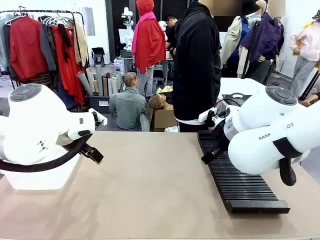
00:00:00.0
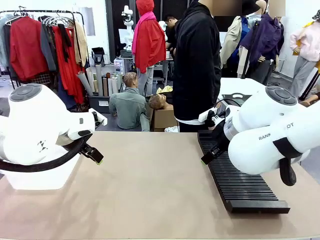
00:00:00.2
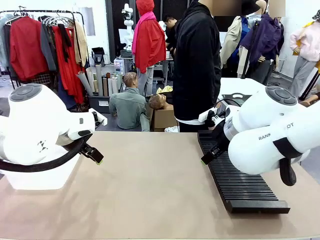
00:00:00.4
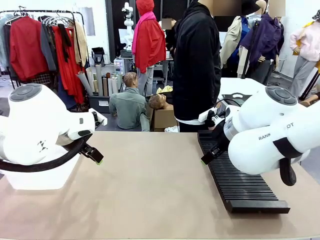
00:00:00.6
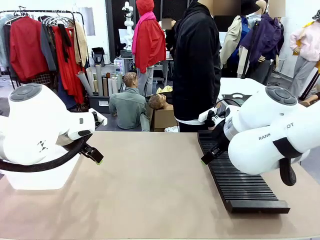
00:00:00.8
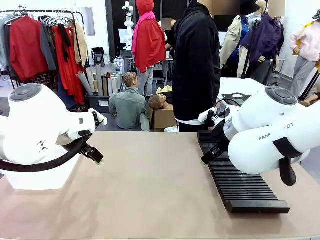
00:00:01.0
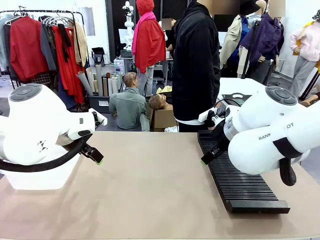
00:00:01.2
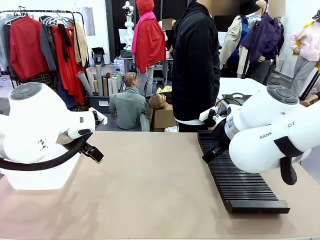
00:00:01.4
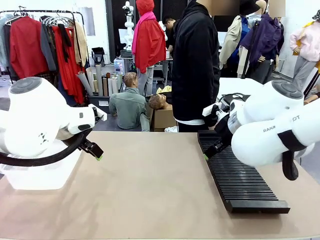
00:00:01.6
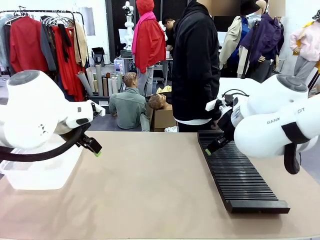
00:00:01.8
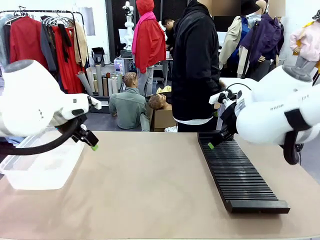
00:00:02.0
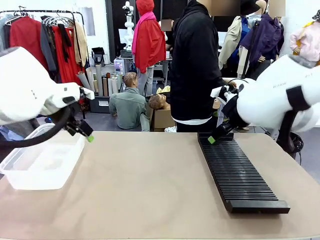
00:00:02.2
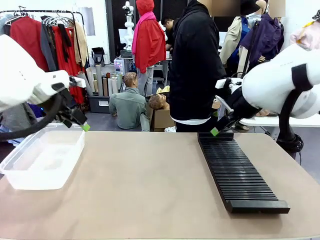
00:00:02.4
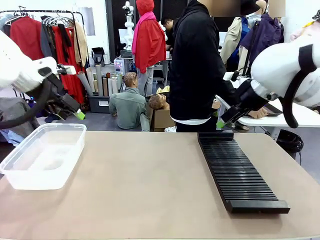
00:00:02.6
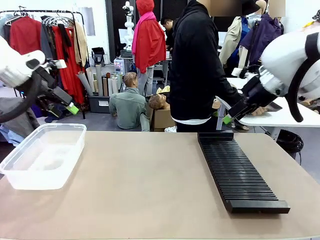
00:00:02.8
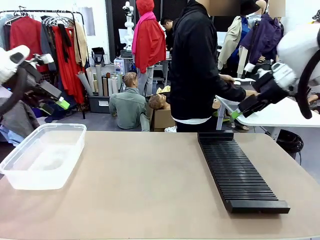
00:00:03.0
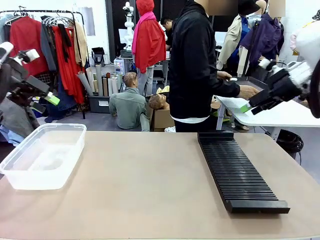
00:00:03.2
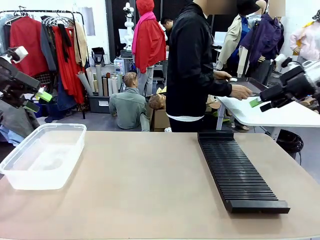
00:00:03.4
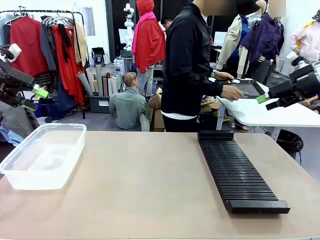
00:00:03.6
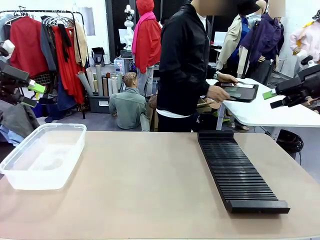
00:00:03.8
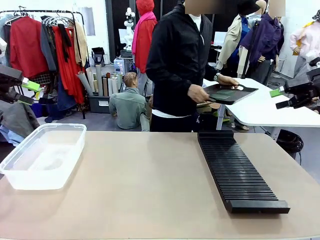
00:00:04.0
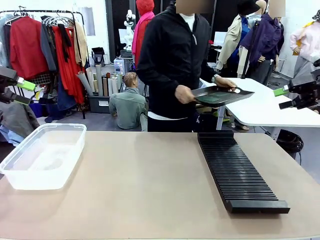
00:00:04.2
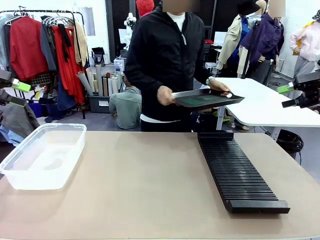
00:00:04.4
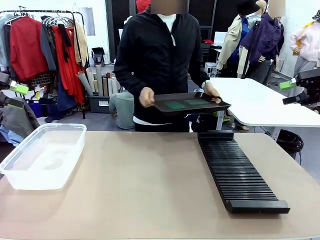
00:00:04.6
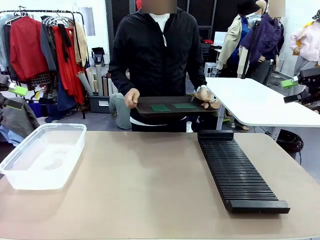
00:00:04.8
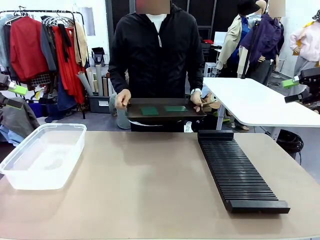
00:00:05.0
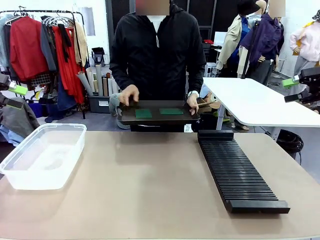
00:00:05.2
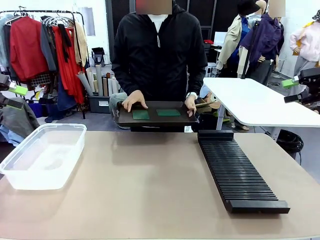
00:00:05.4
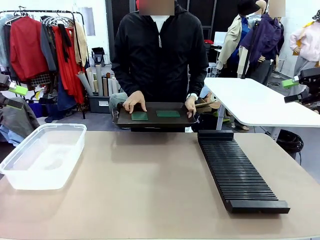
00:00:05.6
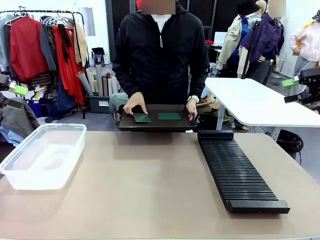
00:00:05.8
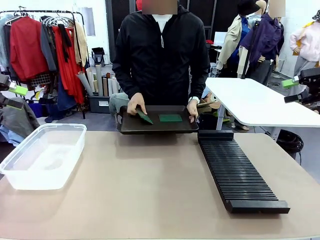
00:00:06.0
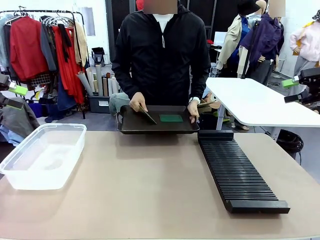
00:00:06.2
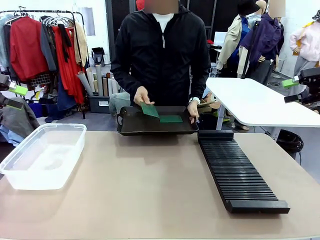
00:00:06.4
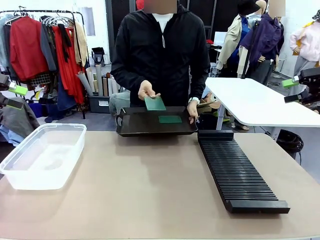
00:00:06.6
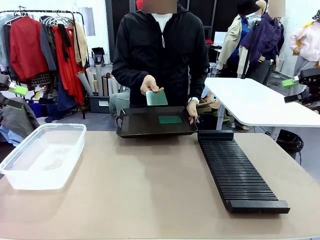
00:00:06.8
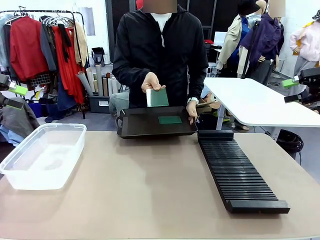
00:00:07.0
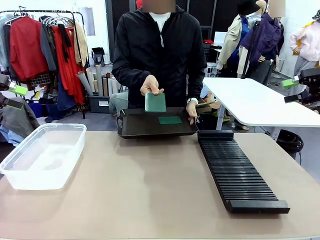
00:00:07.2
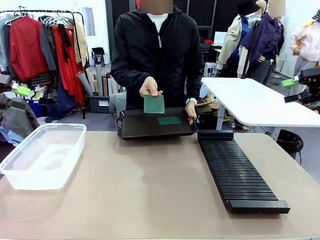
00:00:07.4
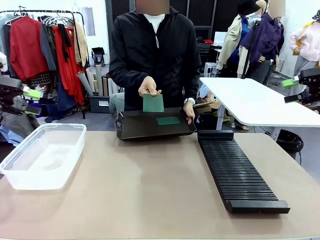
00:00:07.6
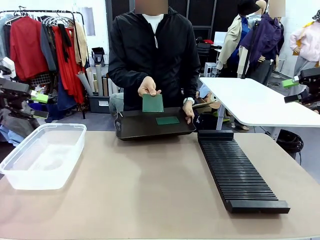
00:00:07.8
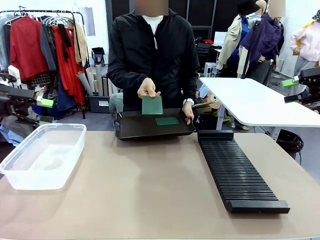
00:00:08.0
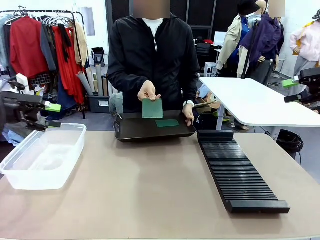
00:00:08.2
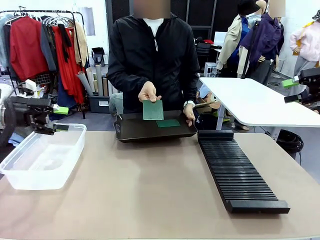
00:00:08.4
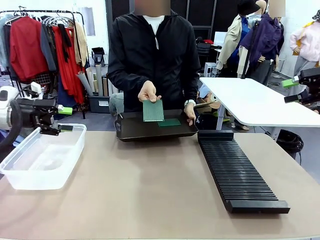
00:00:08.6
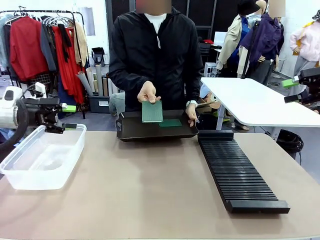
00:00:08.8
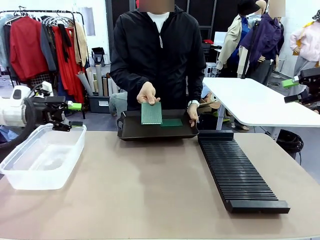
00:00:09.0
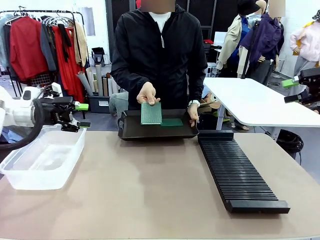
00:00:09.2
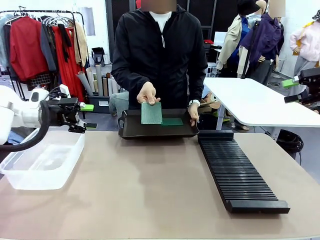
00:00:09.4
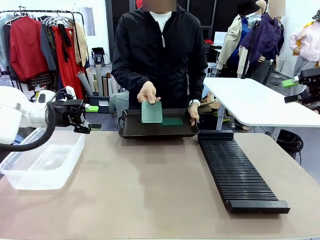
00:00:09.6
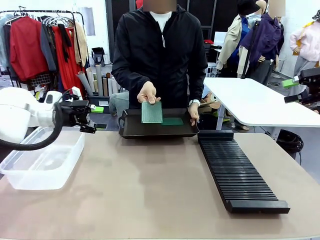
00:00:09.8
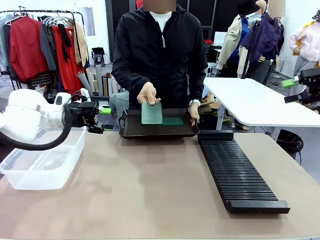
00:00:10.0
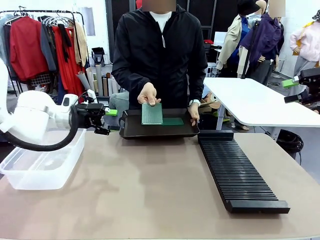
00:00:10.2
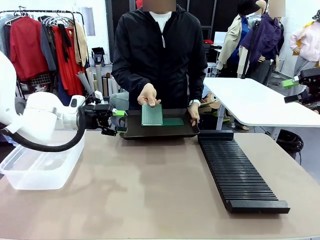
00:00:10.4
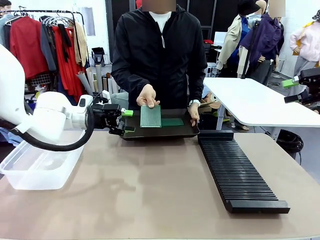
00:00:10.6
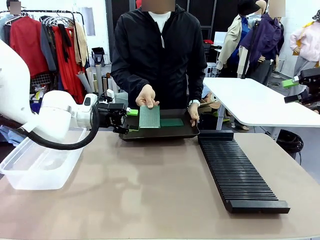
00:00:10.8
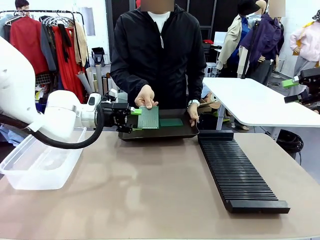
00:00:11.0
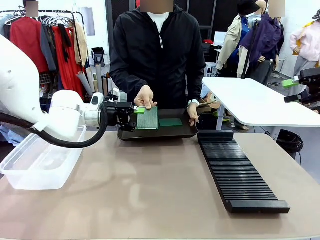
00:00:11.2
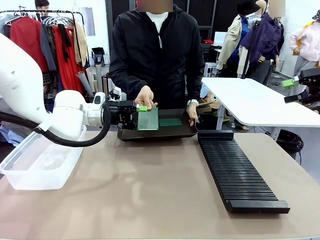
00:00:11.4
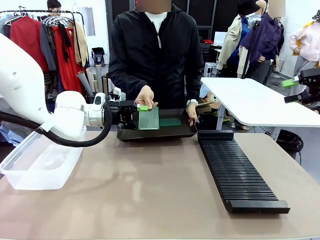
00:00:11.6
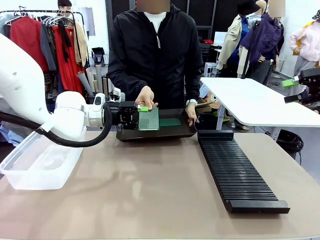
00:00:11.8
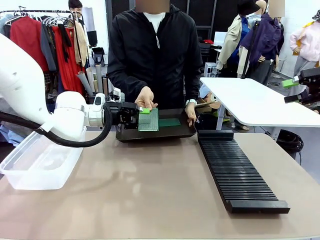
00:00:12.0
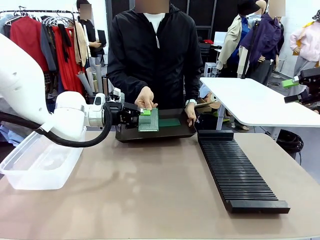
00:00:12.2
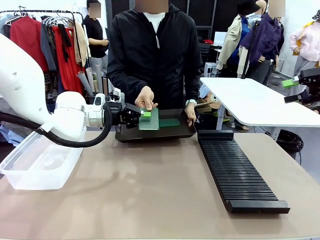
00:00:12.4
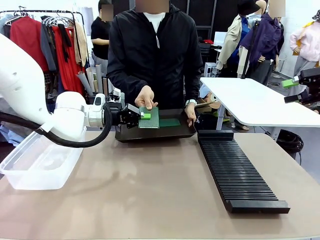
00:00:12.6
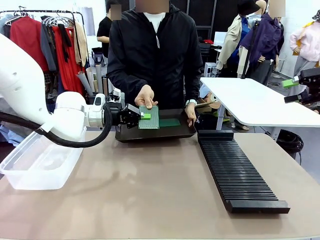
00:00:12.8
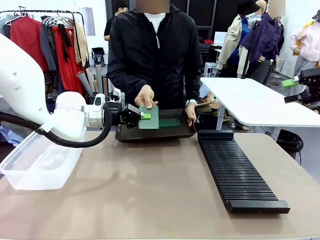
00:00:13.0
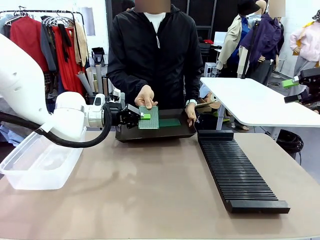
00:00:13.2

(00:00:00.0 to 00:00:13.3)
Task: Sort PCBs into racks and boxes based on the side picked up.
Robot: Pick up the Blank PCB handed by the Human.
Person: Pick one PCB from the tray and present it to the robot. Release the PCB being held.

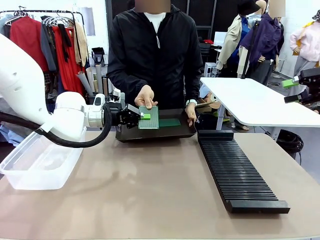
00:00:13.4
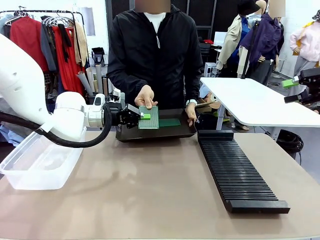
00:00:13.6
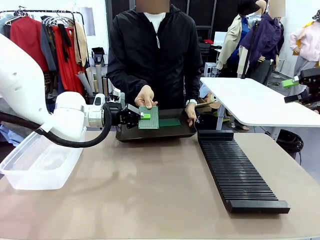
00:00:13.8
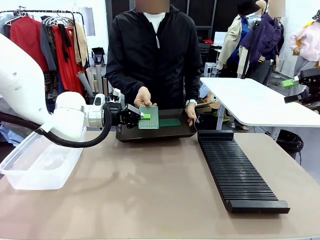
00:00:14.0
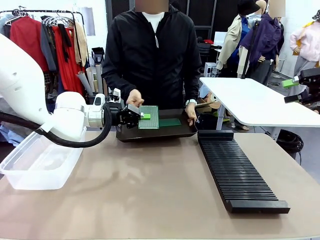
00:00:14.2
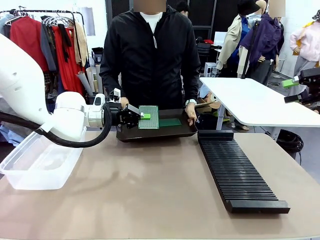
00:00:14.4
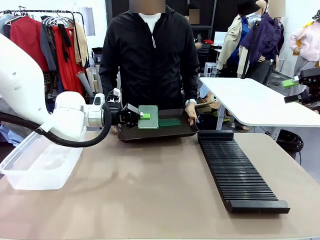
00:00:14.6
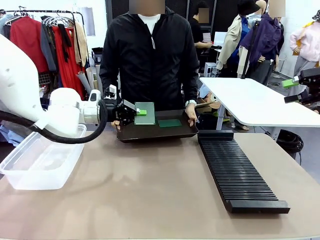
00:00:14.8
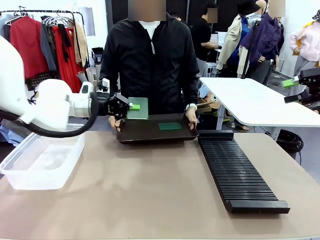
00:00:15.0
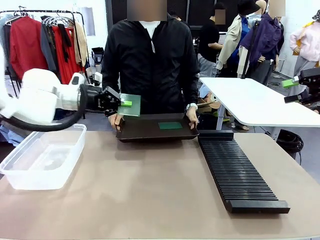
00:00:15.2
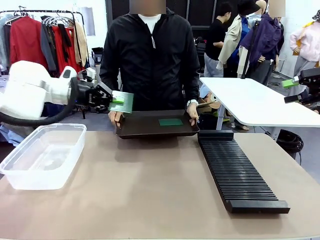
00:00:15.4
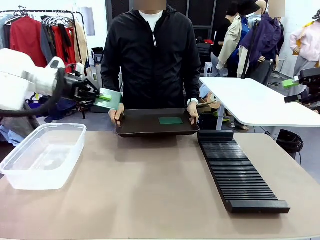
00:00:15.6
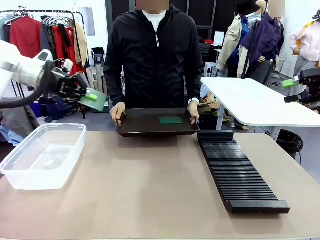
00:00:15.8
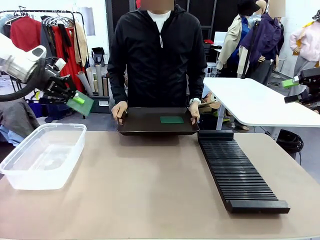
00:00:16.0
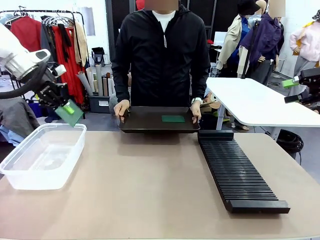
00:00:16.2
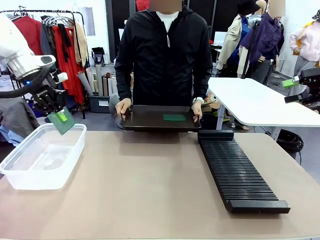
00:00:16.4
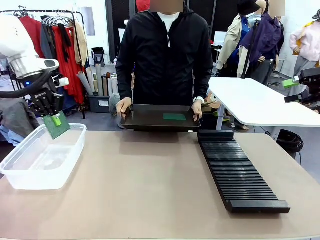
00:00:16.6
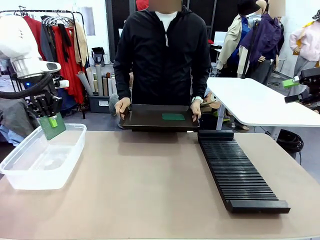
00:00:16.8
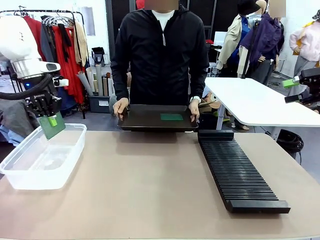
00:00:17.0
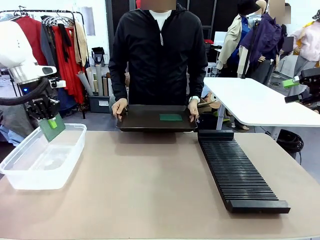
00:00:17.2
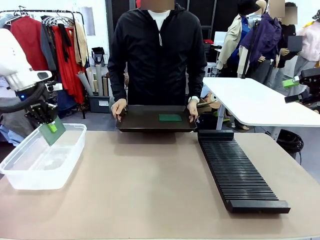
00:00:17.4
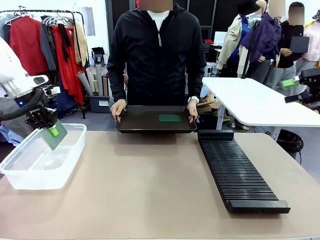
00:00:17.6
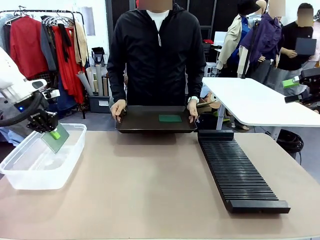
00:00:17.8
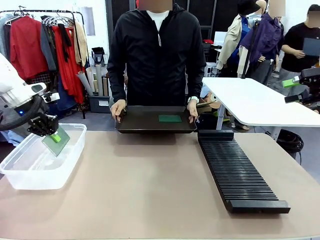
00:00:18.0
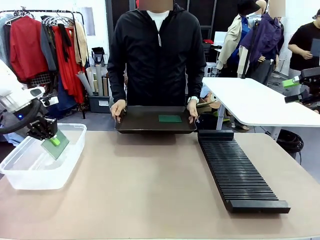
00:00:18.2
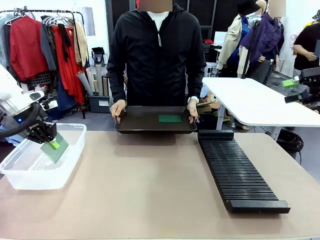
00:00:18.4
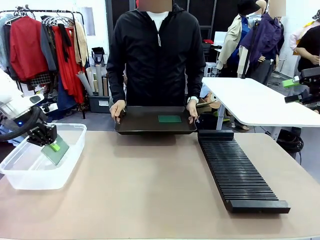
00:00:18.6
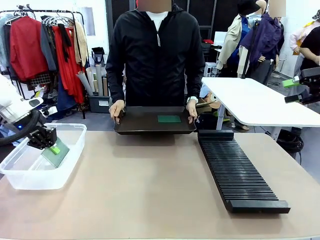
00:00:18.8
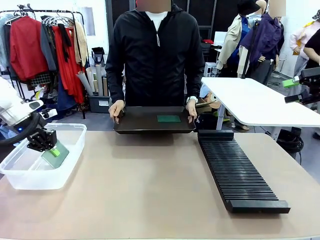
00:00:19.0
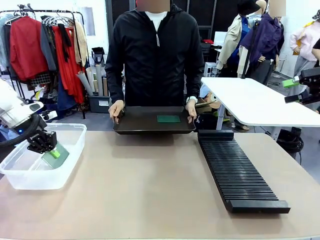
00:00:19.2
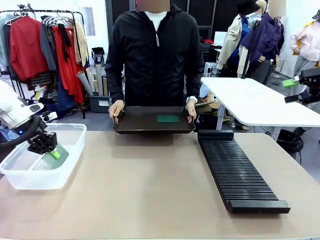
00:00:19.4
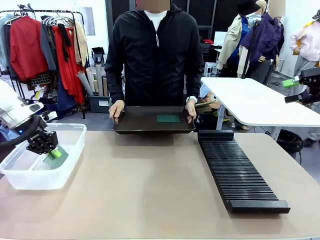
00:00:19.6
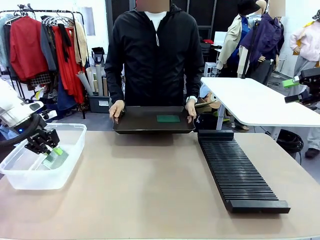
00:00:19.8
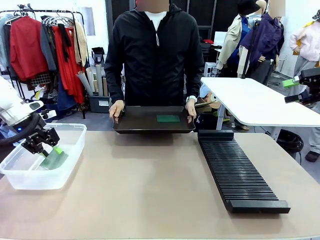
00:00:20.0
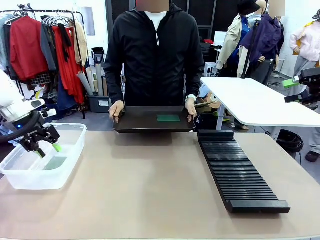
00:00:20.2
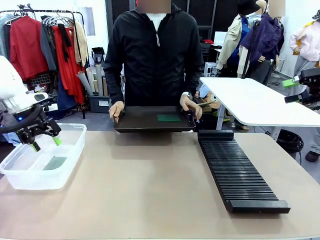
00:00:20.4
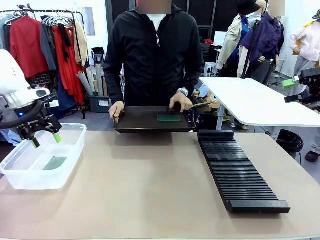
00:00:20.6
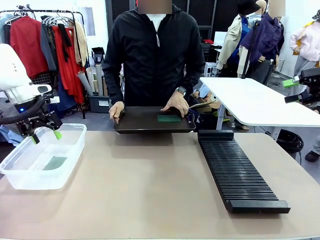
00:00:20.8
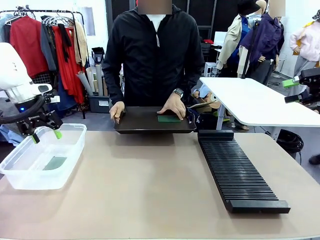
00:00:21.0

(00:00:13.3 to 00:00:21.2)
Robot: If the short side of the Blank PCB is picked up, insert it into the PCB Rack ; if the long side is picked up, place it in the Organizing box.
Person: Pick one PCB from the tray and present it to the robot.
